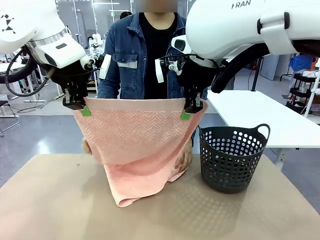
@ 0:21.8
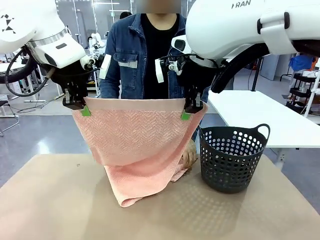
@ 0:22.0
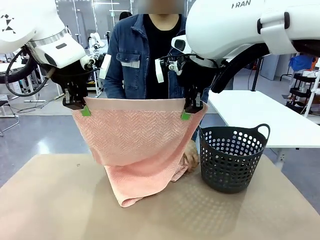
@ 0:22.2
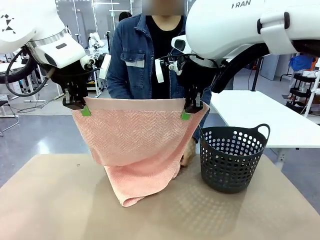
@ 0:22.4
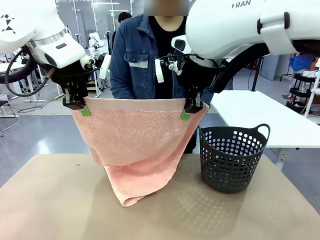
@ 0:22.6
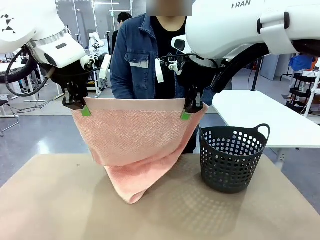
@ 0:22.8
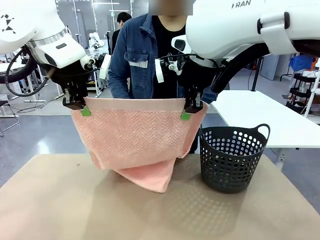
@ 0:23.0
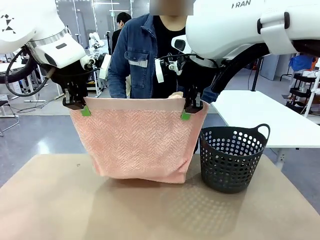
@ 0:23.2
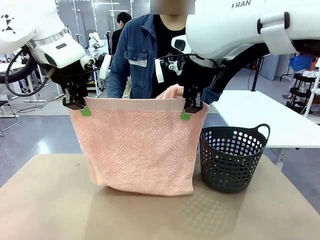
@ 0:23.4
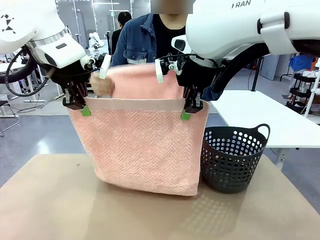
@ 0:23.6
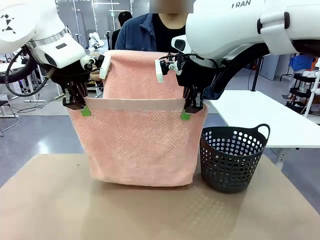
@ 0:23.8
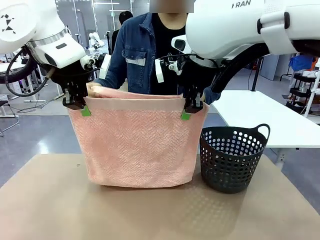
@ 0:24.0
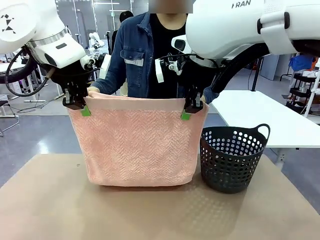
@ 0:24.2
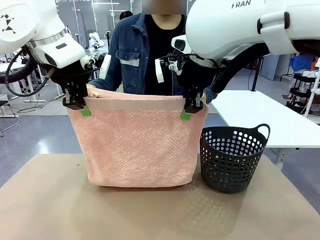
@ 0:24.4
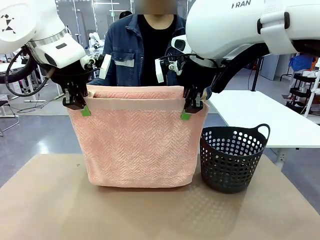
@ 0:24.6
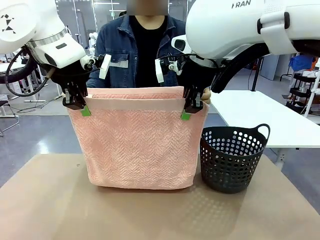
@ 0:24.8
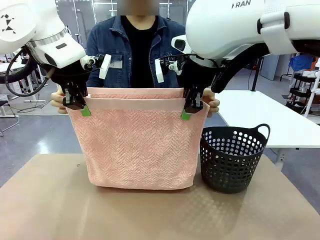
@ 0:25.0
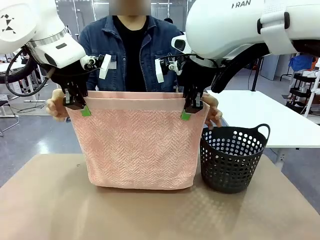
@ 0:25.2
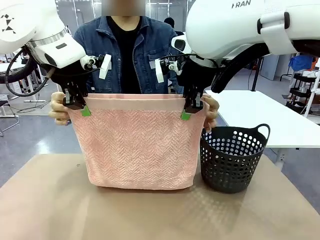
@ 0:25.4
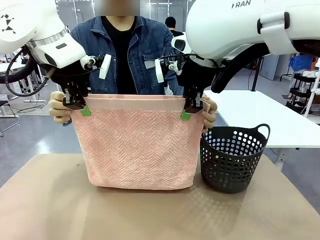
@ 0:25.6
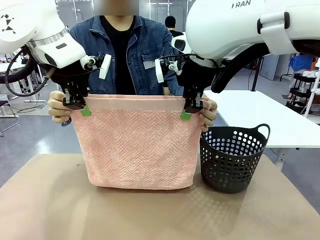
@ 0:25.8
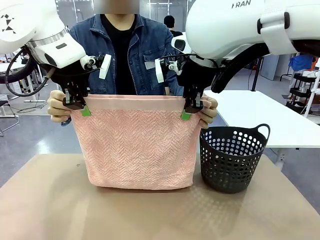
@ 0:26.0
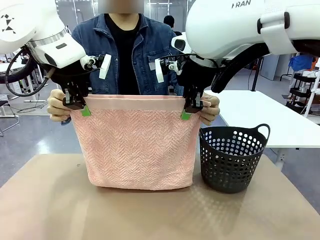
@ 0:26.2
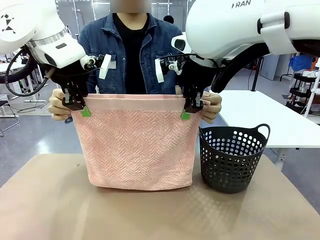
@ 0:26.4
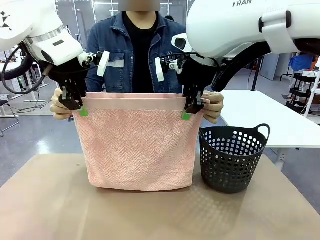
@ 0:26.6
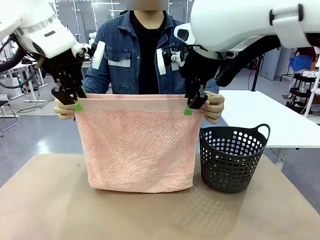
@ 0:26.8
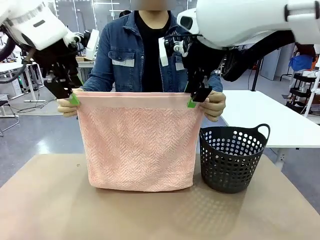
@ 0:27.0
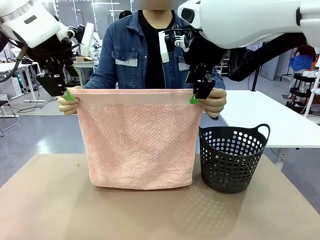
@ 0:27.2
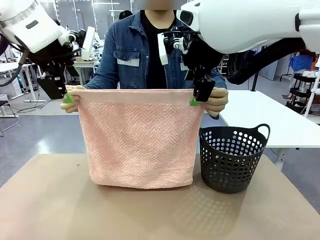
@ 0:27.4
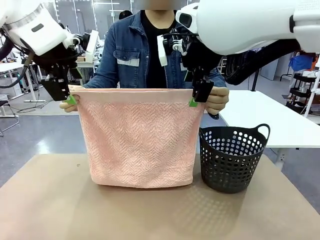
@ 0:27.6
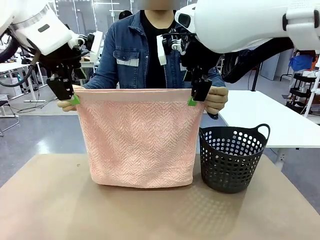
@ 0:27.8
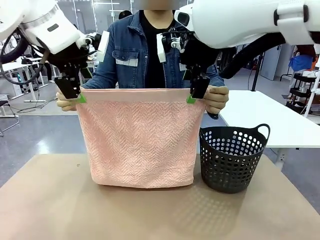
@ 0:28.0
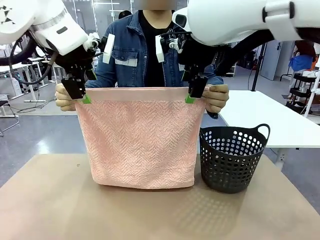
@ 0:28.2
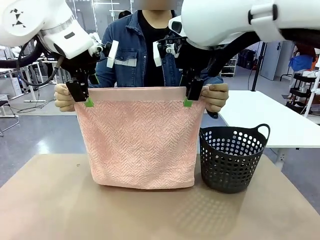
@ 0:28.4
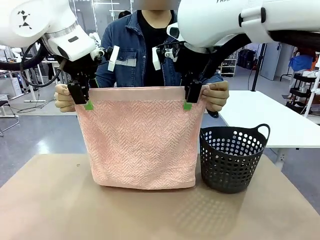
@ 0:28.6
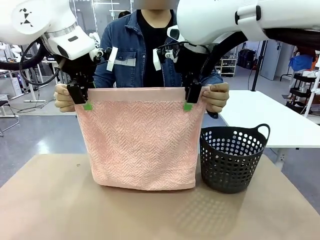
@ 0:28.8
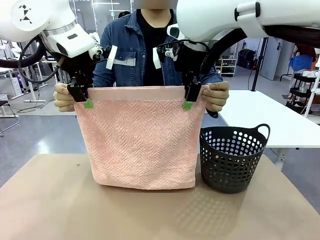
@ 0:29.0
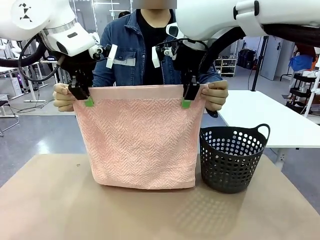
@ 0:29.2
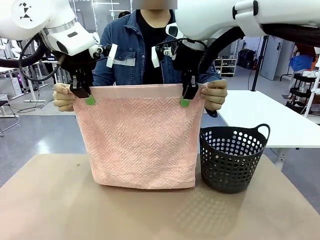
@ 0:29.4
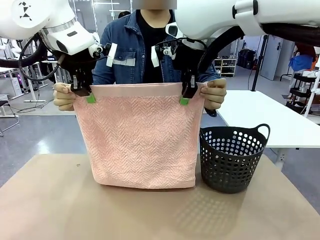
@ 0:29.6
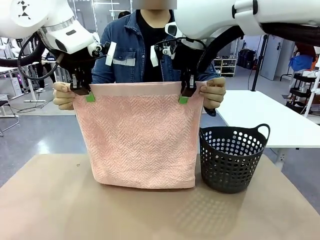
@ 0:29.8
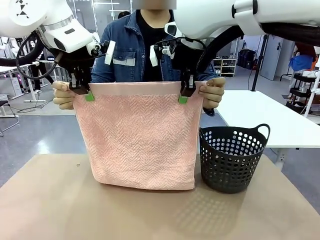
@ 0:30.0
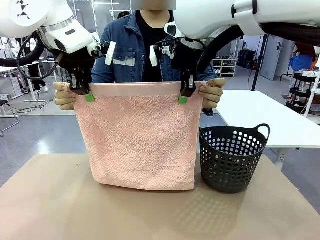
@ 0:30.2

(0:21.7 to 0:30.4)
Task: Fold the towel.
Robot: Release the end of the 100 cm Hotel Towel you were holding and grab the top end of the folded side.

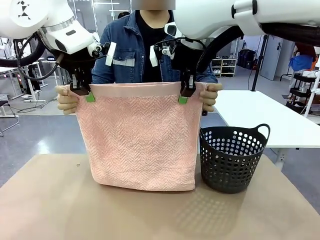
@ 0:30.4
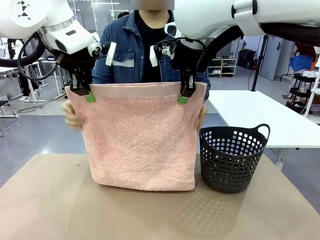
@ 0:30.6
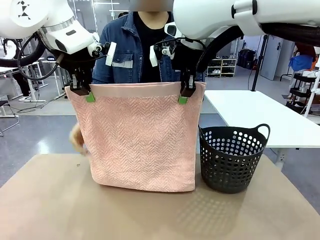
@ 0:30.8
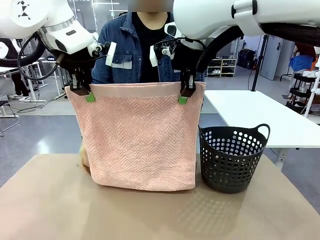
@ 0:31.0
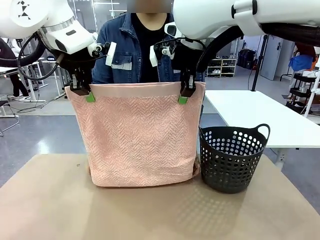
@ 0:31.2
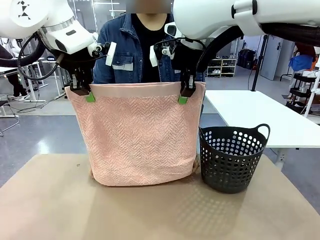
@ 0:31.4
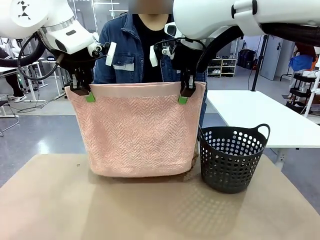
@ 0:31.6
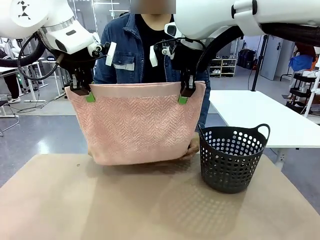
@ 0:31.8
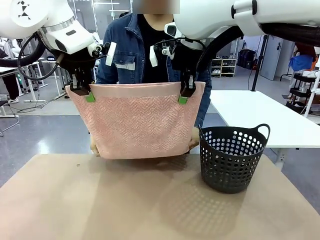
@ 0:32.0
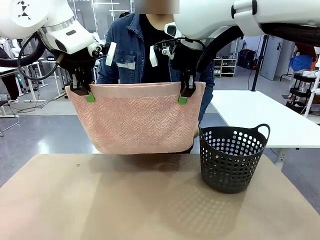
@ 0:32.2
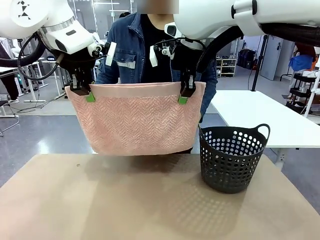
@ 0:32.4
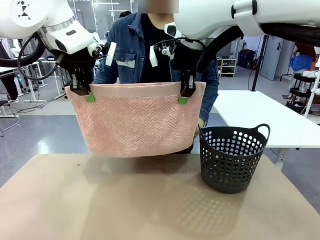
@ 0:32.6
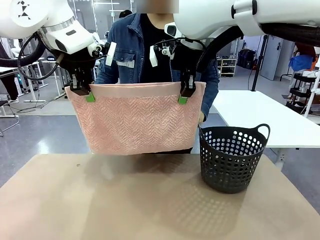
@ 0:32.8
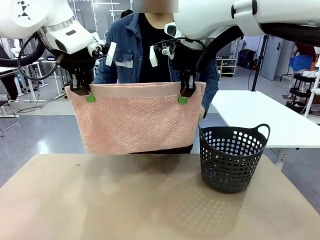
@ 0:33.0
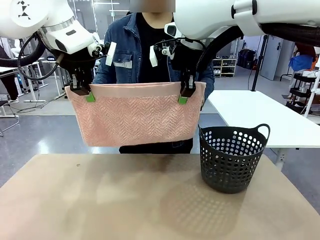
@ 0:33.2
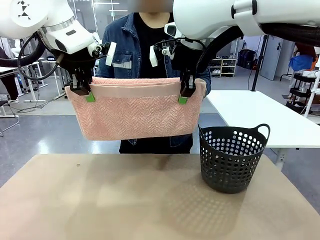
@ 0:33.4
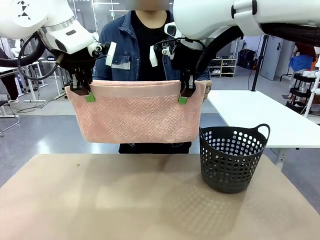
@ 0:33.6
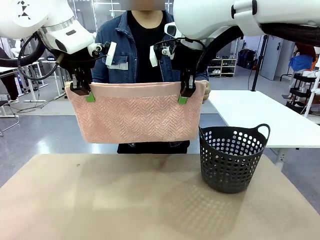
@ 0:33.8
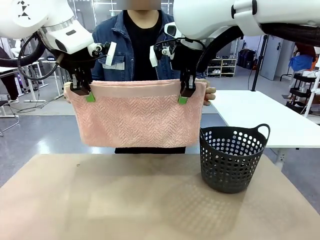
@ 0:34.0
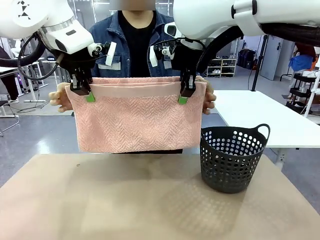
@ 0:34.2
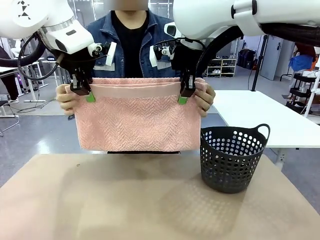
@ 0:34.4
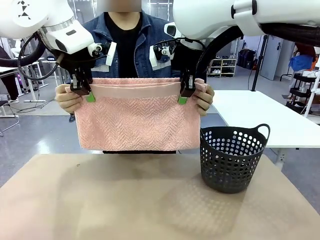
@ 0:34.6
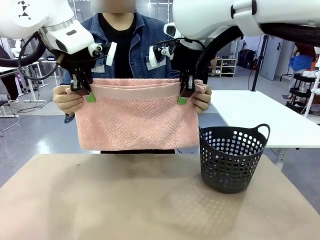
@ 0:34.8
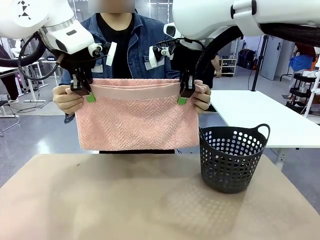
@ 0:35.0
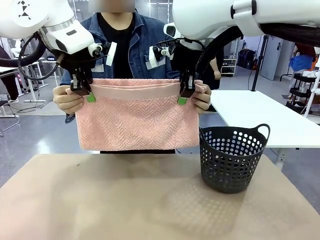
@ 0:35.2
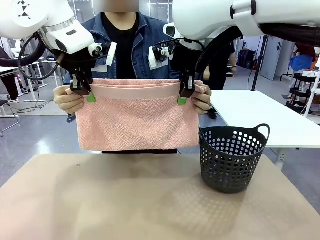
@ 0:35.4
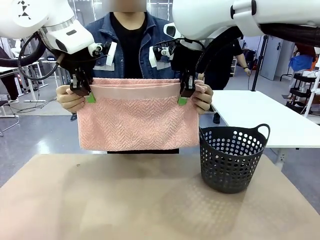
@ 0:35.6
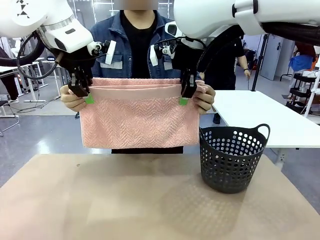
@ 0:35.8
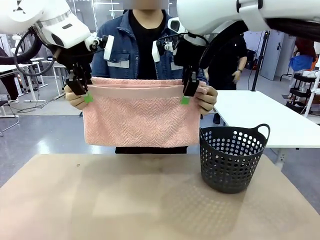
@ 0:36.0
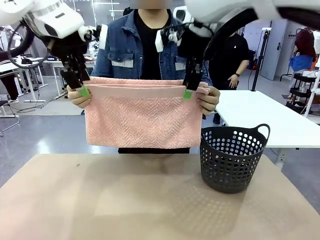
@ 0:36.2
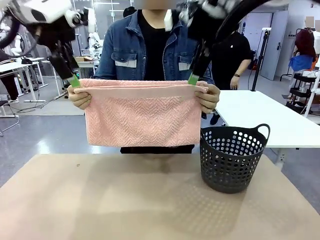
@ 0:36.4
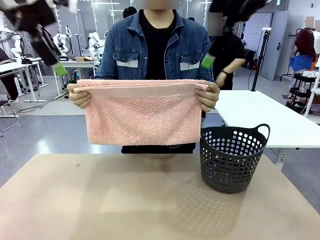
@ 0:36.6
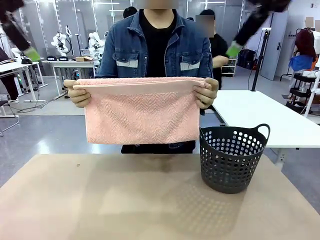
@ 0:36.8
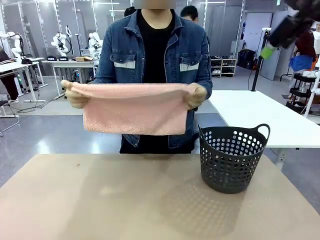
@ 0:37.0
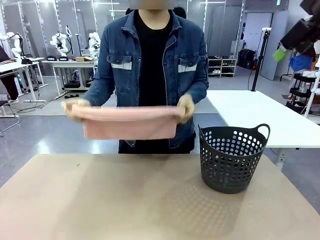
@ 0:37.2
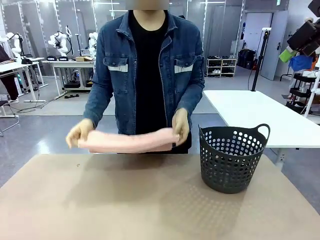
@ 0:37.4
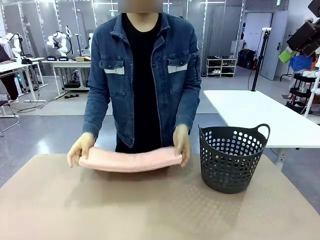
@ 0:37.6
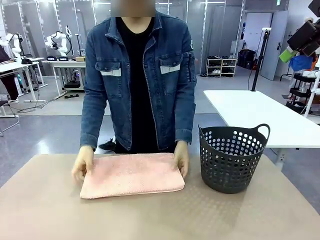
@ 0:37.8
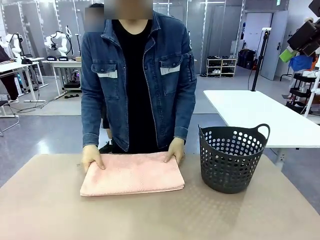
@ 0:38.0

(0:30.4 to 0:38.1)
Robot: Release the end of the 100 cm Hotel Towel you were holding.
